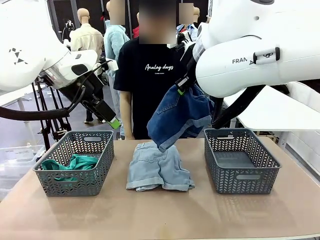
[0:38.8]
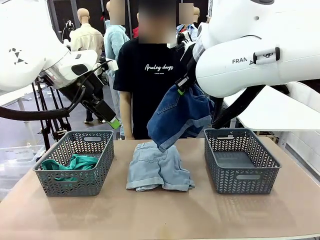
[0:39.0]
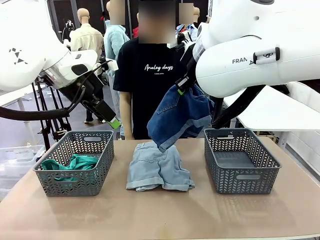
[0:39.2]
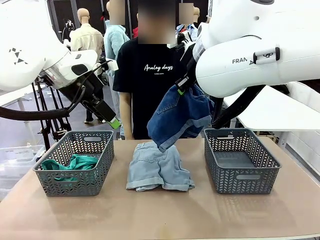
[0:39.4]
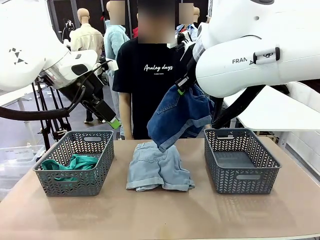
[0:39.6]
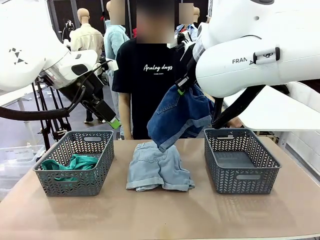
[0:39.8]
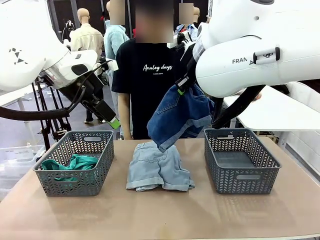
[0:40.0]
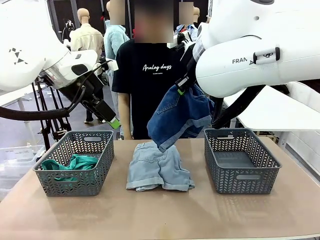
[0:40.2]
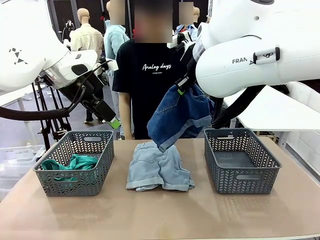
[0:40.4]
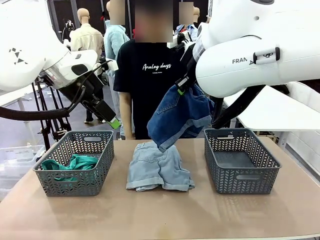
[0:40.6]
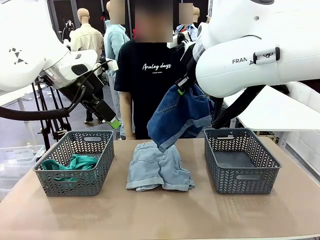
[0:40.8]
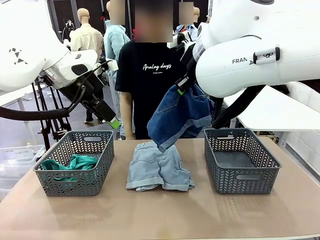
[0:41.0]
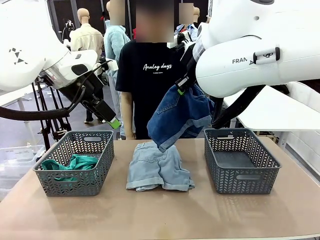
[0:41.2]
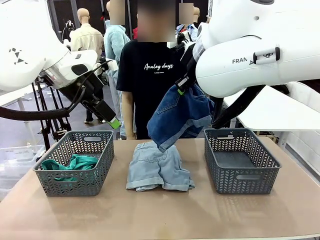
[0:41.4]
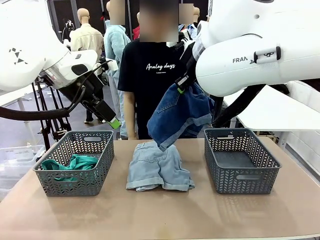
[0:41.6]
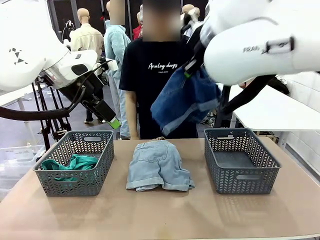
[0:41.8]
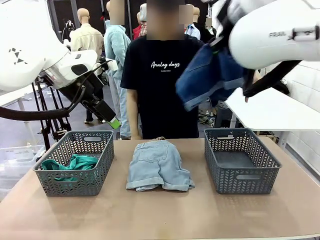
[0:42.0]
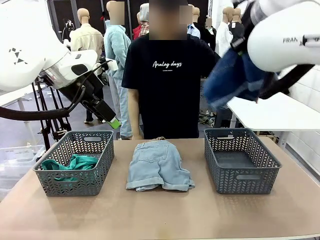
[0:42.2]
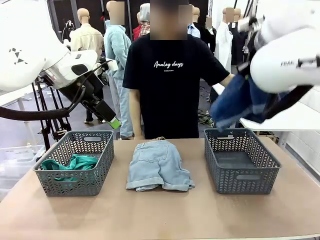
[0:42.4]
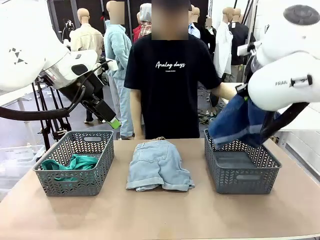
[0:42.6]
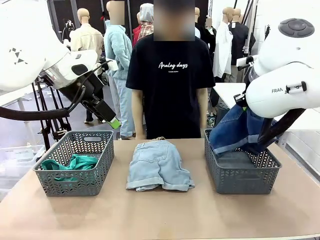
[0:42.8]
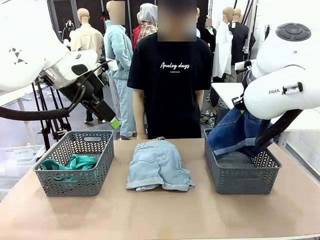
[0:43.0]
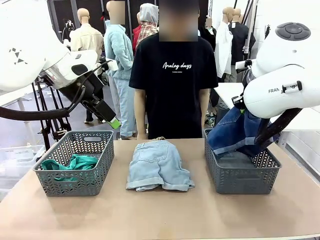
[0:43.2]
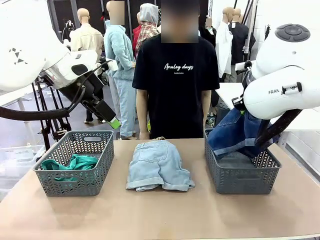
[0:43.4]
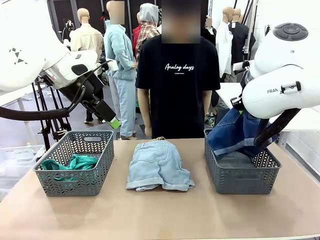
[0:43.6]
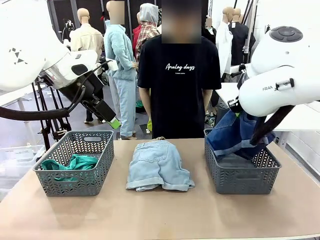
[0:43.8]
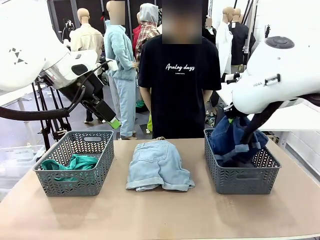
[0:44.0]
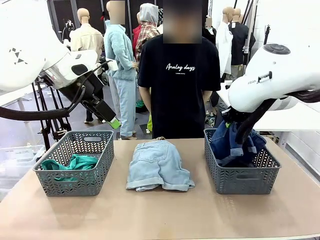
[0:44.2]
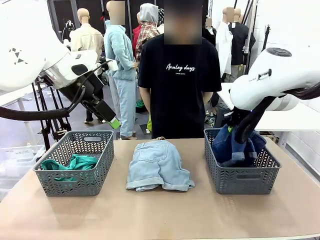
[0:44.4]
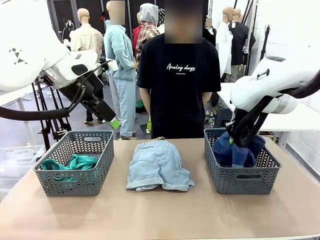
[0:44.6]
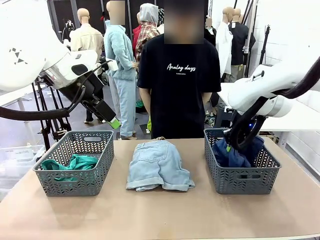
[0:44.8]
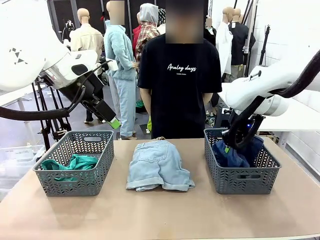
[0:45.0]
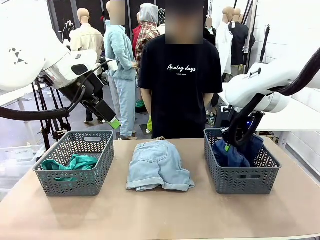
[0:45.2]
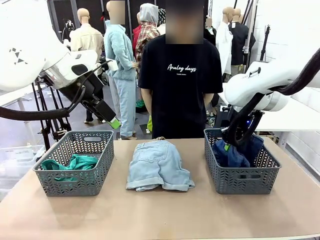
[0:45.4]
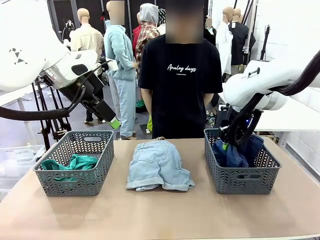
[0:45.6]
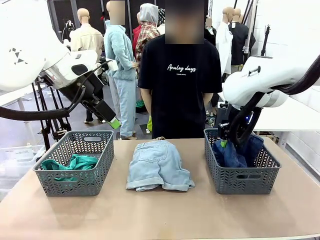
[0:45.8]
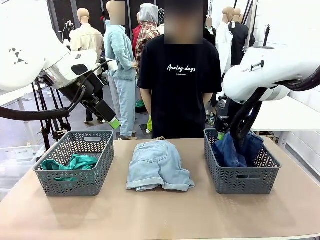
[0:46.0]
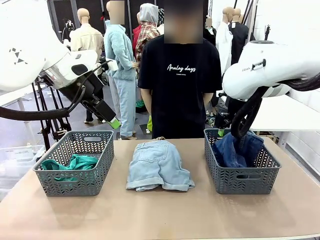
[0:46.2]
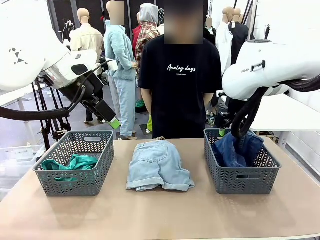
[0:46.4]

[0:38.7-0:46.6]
Task: Sort the tops and bottoms.
Robot: Sort the clothes according to human instructions.

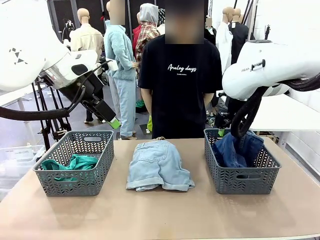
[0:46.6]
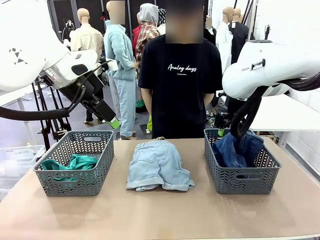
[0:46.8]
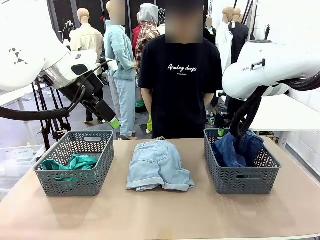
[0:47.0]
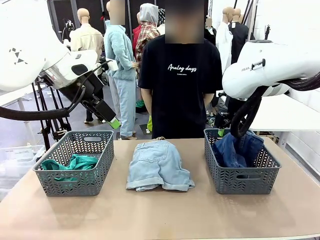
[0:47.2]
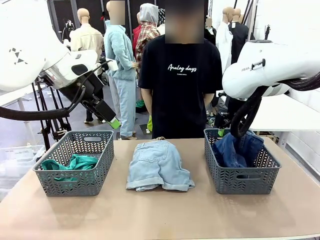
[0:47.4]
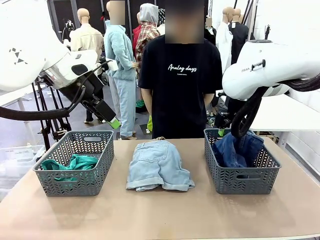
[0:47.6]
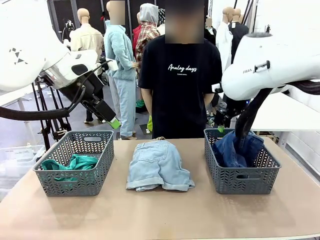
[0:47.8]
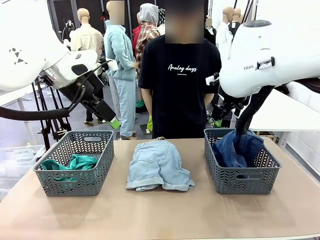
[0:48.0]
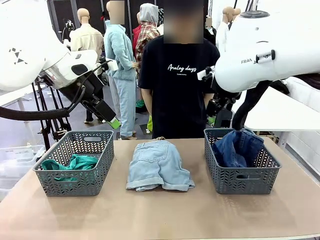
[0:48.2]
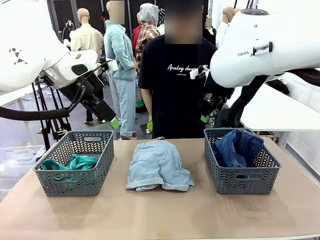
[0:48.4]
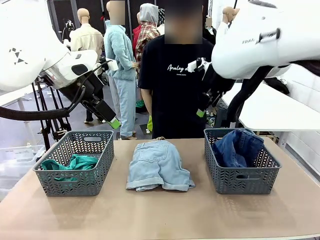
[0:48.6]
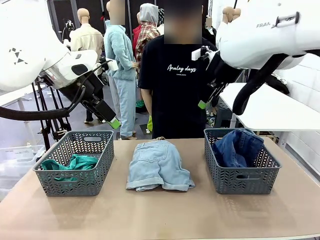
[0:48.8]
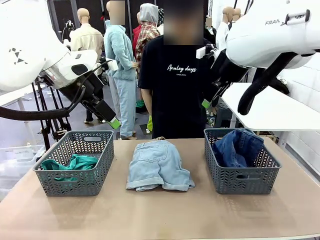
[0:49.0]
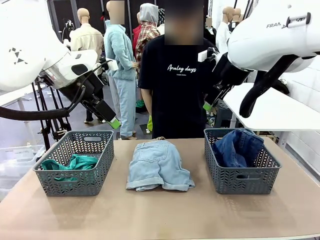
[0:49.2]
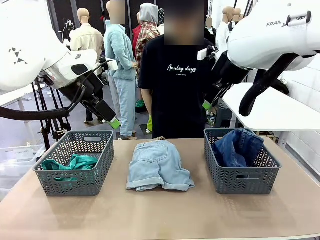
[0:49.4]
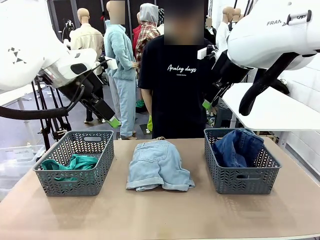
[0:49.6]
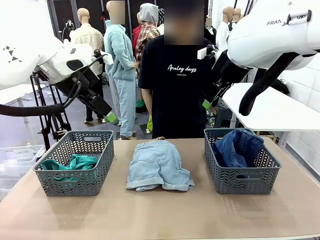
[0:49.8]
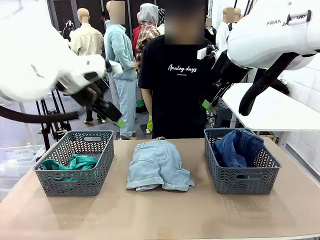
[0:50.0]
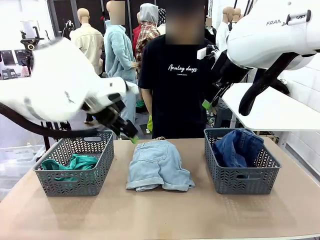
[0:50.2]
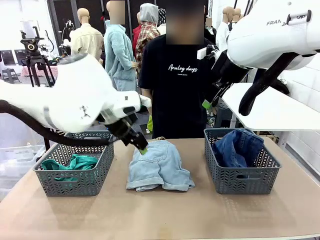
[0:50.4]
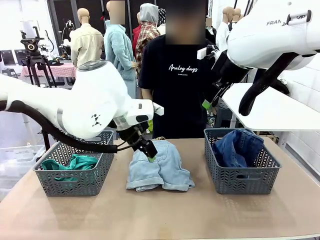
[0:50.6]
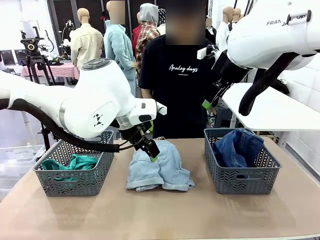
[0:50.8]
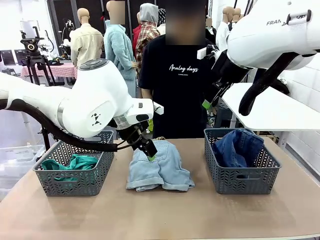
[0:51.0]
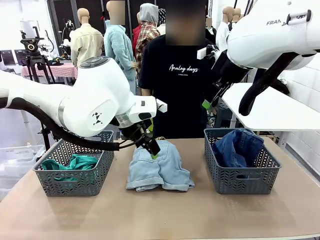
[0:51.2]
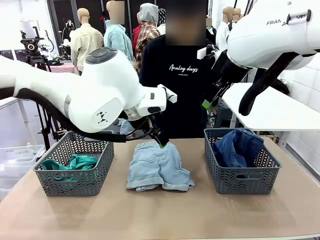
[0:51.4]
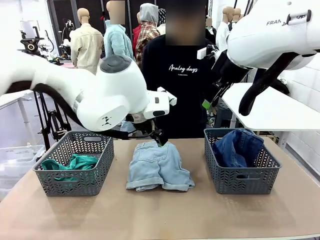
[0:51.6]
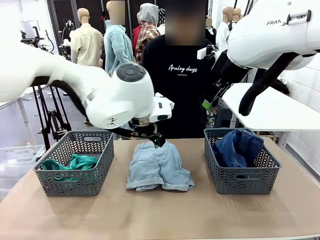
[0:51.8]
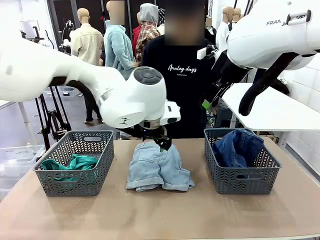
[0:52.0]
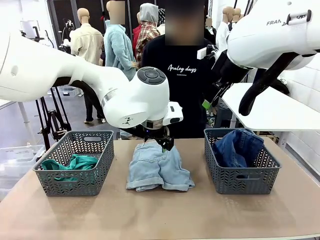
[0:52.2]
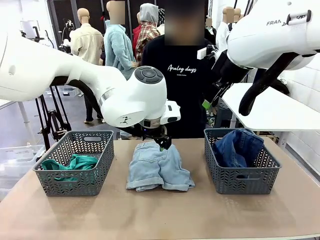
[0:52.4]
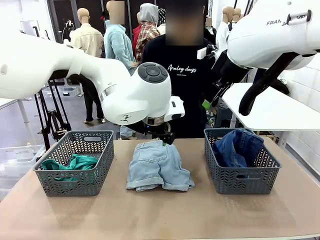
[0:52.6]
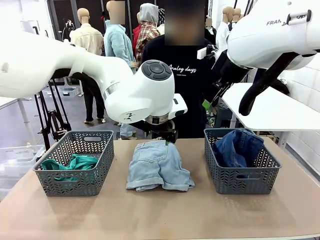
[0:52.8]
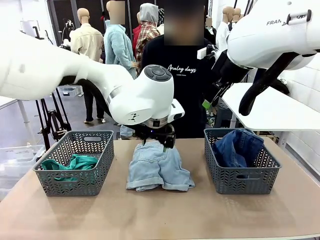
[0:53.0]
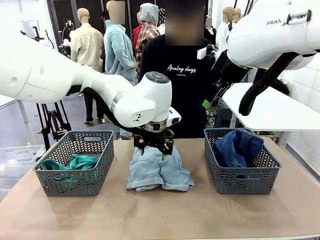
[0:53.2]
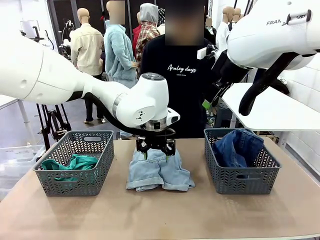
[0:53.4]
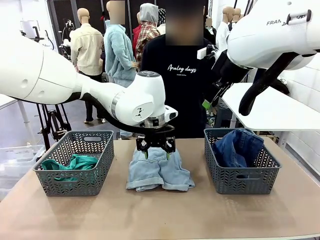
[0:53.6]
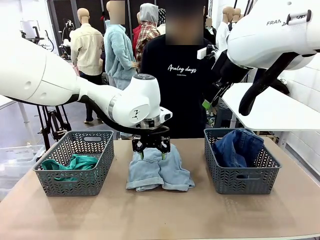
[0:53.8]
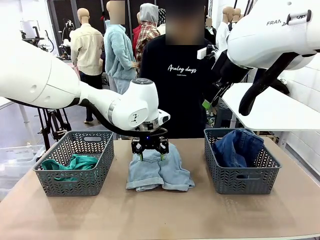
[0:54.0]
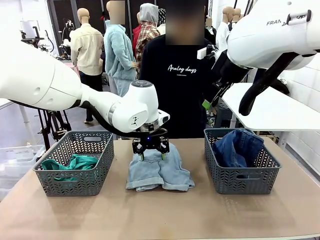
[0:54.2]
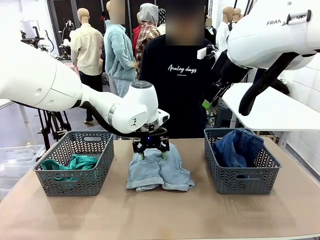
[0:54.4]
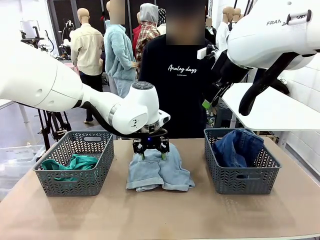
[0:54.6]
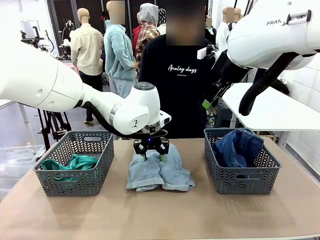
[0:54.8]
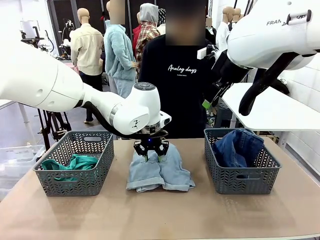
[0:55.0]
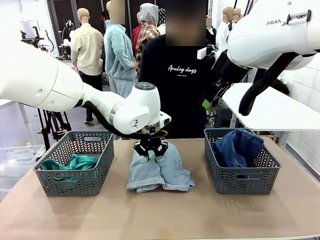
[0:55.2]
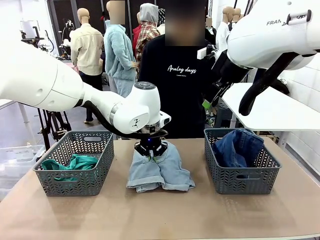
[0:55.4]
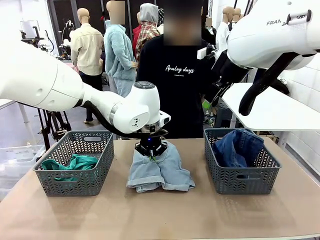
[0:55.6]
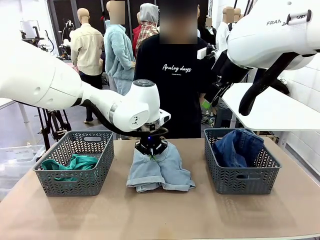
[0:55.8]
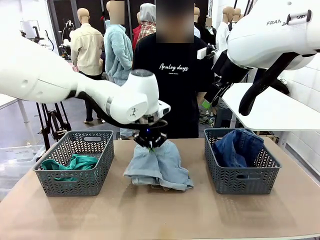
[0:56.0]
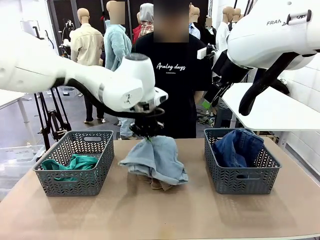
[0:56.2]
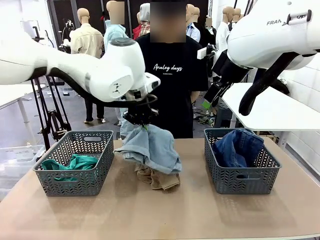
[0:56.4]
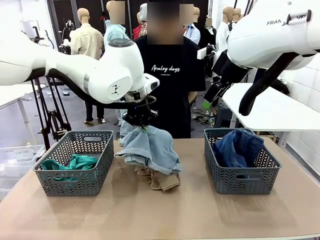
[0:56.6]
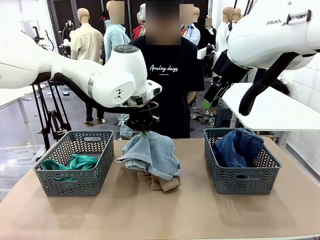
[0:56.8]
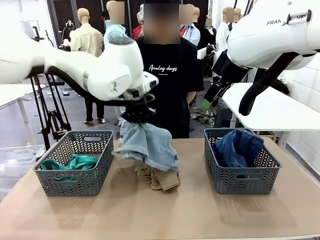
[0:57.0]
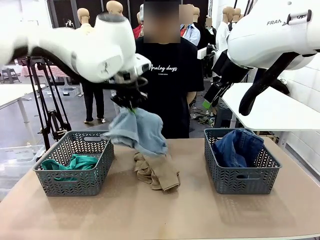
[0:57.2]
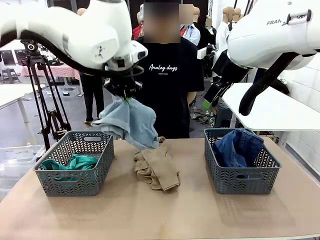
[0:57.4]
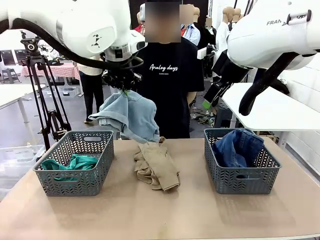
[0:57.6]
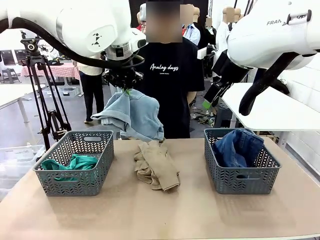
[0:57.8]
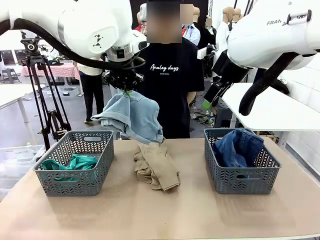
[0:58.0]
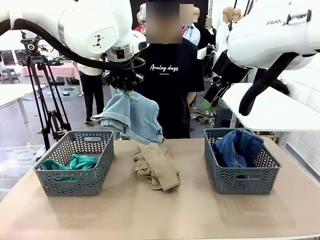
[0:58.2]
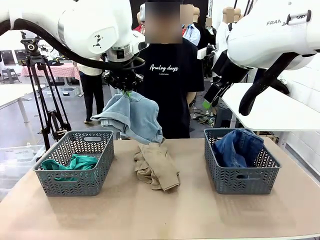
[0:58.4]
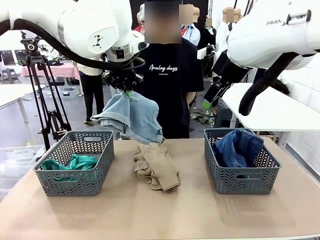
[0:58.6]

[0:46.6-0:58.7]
Robot: Lift clothes from the center of the table with your left hand.
